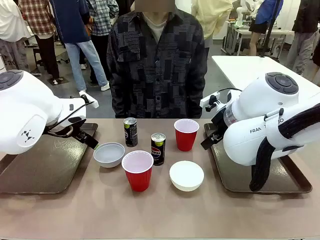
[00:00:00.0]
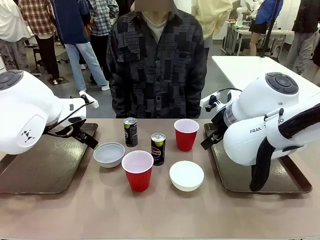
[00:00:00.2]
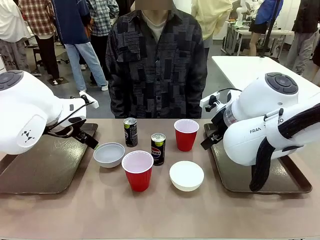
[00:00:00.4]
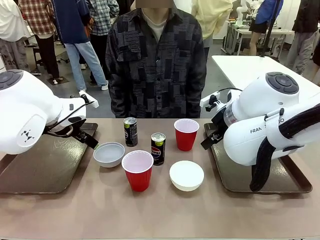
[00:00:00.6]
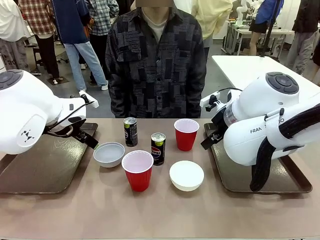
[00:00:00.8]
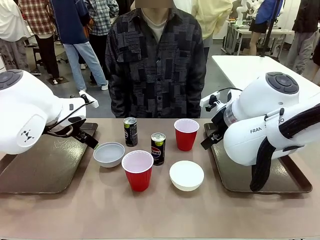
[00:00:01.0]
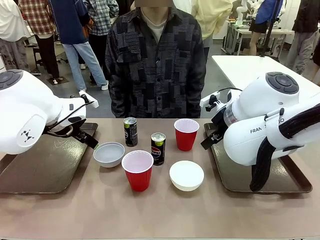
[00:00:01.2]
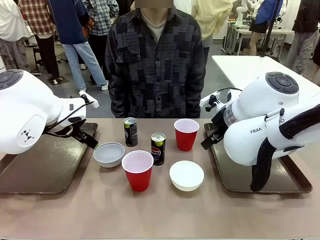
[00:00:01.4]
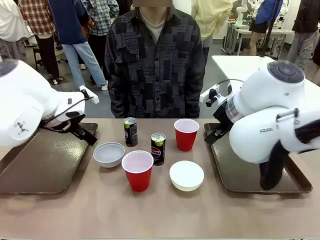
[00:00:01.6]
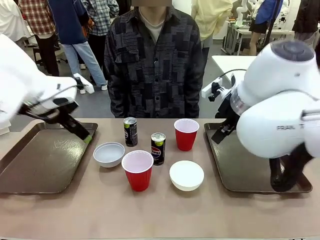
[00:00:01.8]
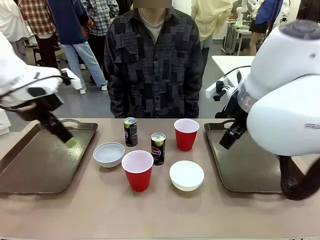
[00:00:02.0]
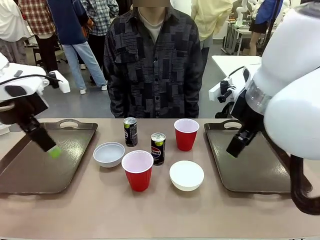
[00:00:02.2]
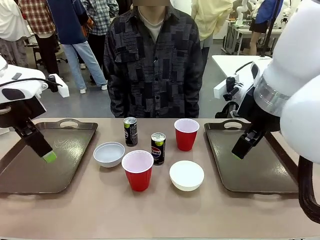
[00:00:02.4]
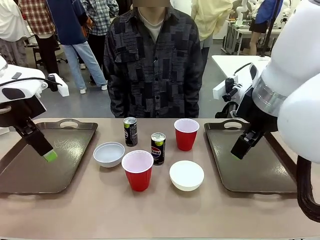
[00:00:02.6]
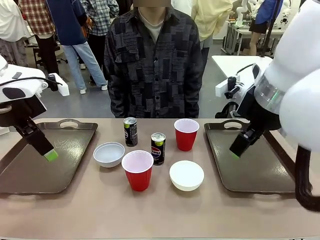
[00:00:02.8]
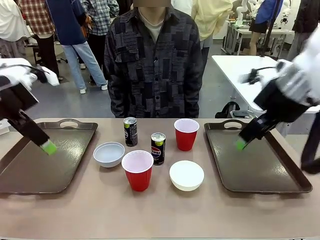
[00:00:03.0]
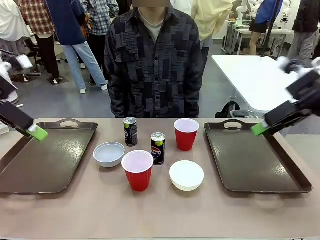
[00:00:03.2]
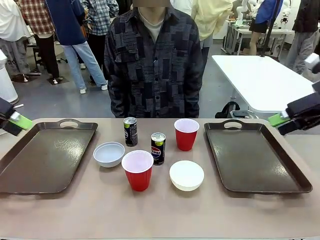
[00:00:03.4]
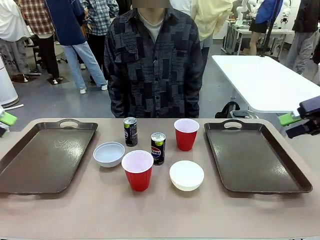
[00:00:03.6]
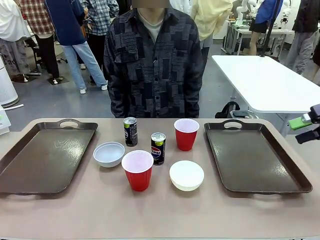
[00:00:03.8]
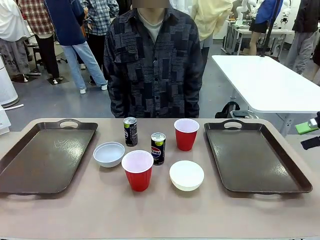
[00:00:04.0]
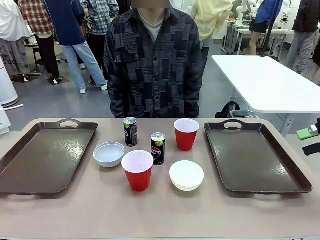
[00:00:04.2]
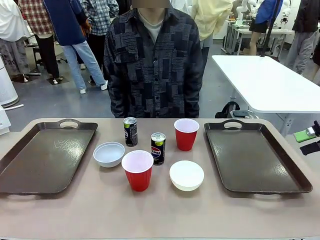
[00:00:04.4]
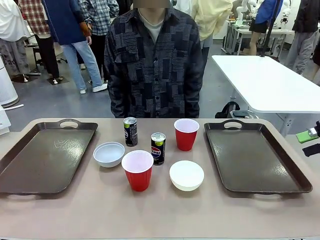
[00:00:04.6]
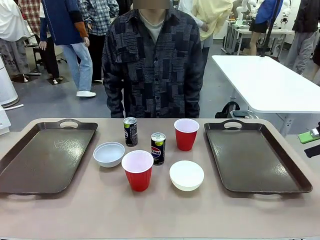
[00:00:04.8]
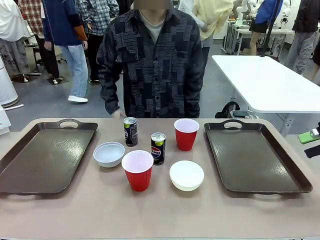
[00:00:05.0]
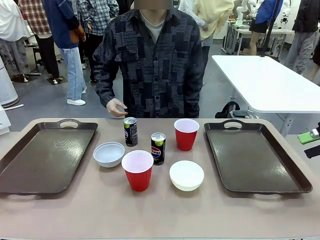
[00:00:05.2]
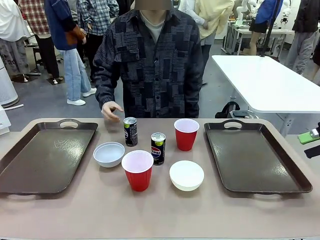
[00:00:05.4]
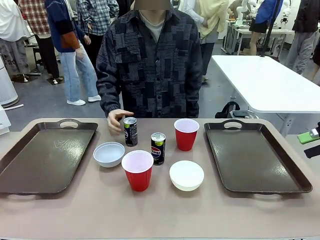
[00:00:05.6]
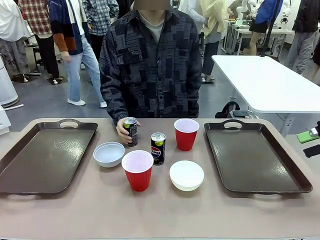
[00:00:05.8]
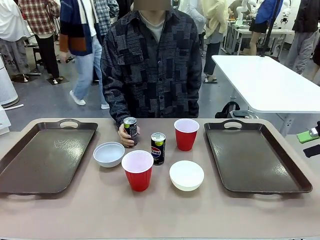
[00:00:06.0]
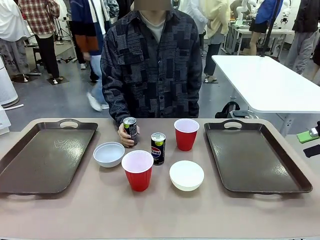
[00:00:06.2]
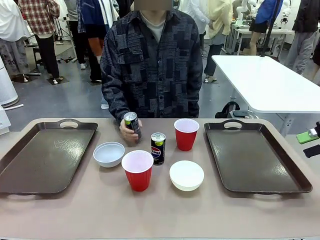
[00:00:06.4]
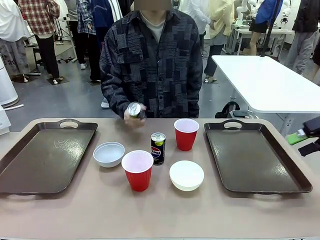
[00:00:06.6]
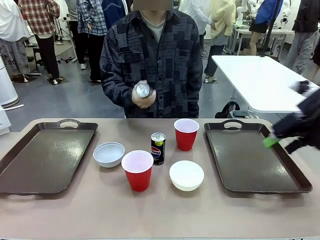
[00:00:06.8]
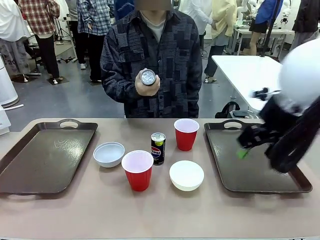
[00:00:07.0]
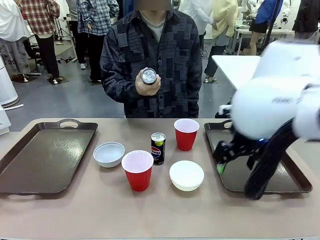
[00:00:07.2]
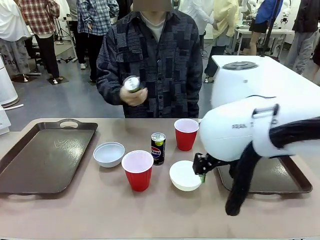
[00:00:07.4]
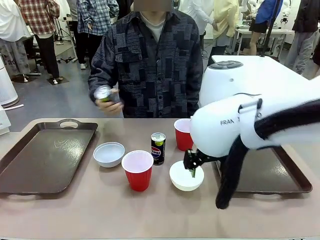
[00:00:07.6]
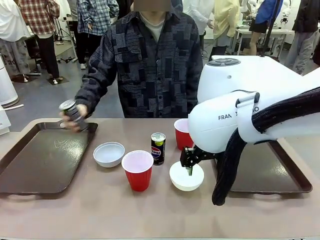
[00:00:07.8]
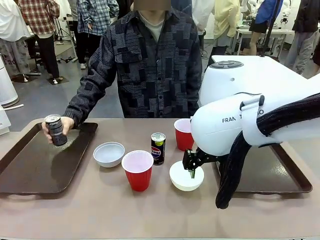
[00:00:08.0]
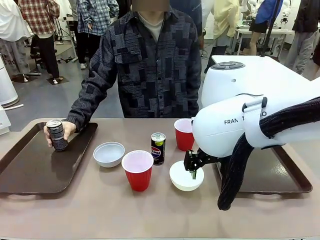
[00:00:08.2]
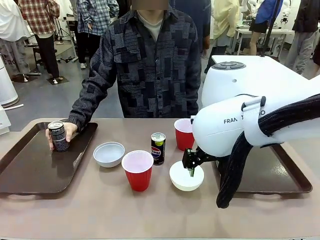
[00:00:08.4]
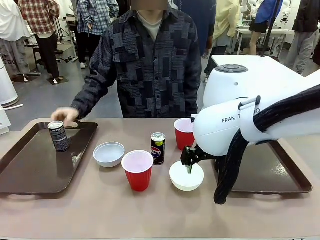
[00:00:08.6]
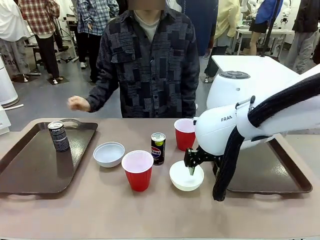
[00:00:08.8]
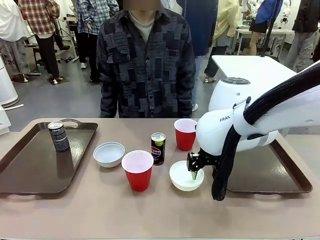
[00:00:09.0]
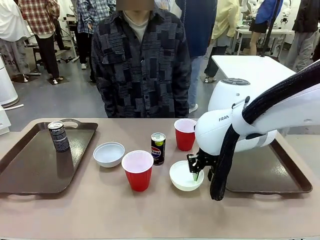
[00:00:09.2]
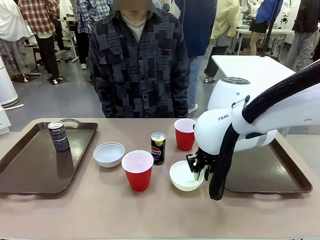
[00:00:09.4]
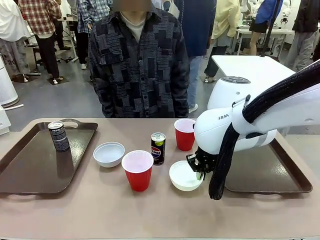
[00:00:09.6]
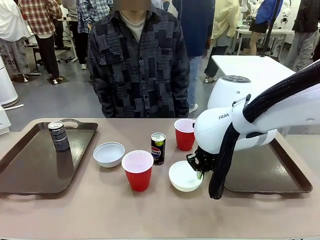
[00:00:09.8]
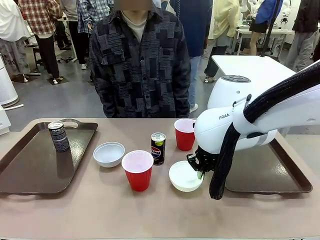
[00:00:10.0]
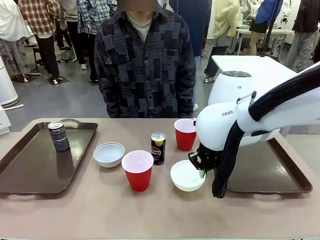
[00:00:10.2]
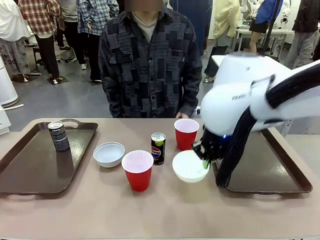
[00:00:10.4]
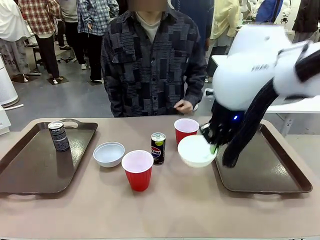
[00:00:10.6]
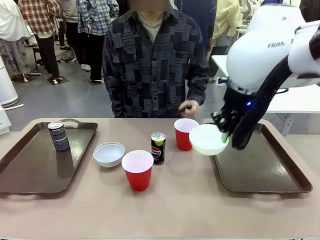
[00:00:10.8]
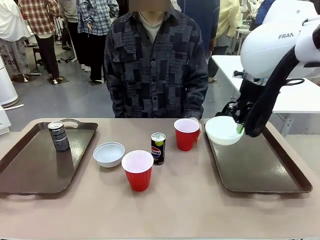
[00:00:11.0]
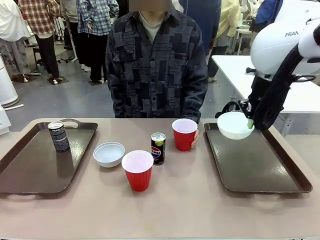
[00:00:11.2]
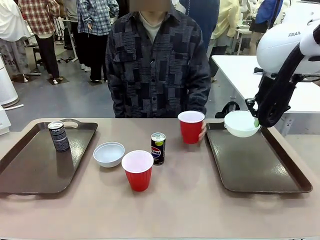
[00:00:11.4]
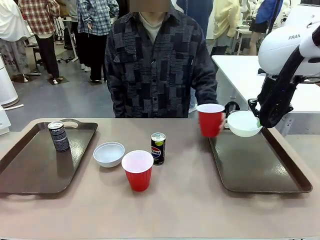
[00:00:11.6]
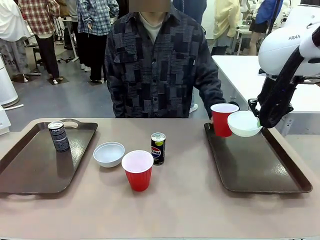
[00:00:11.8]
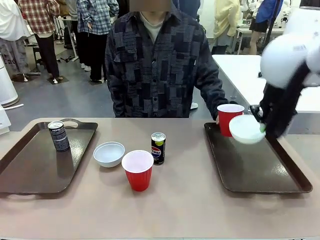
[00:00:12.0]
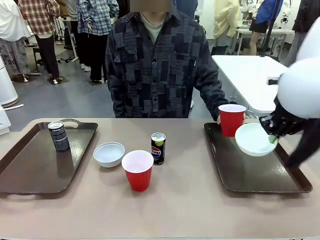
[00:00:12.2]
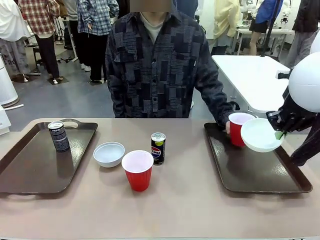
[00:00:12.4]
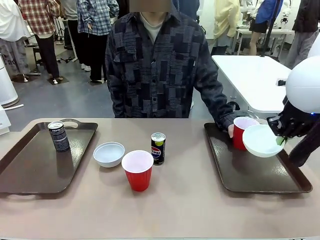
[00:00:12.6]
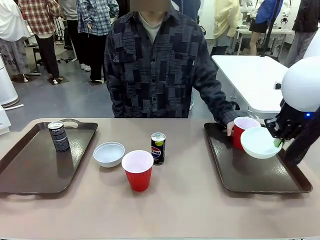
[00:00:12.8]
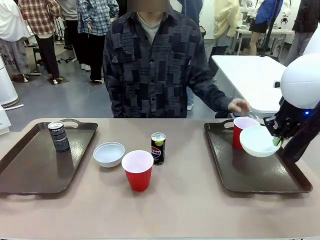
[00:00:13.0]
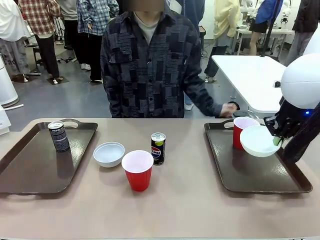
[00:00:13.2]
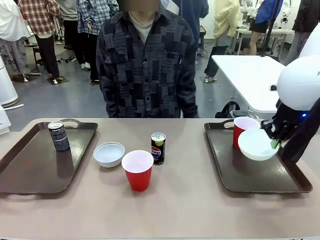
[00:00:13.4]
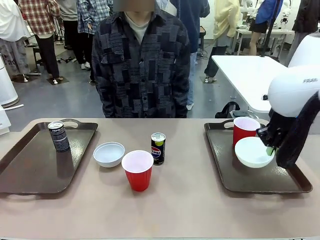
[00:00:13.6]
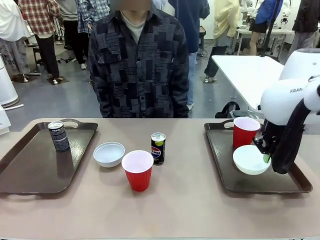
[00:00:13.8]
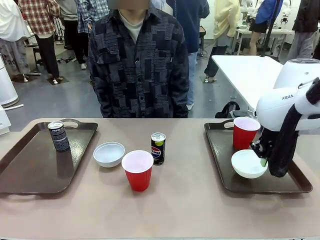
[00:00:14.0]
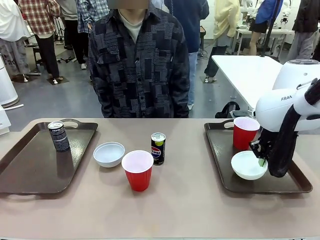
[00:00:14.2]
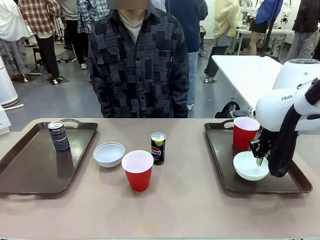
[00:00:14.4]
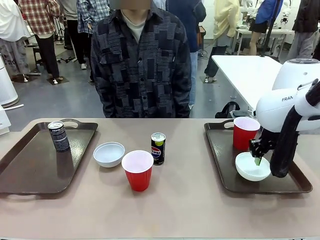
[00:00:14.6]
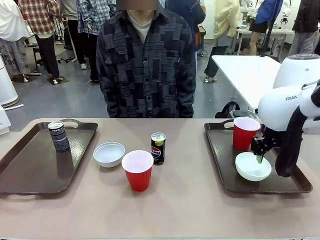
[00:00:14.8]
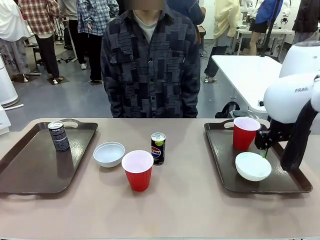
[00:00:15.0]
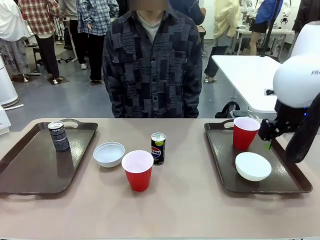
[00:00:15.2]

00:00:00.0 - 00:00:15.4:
Task: Prepare tableware on both trays.
Robot: Pick up a Picnic Bowl from the table and place it on a Handle tray.
Person: Pick up a can or cup and place it on the tray.
